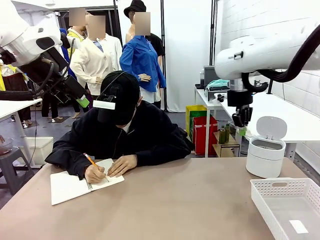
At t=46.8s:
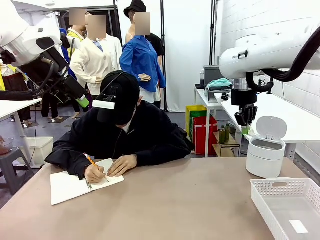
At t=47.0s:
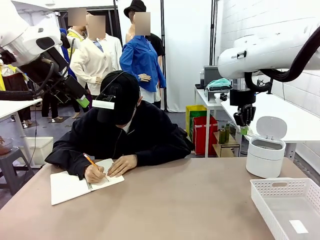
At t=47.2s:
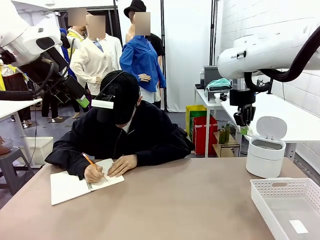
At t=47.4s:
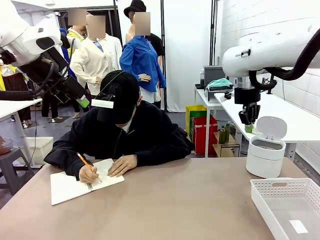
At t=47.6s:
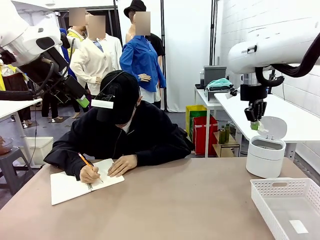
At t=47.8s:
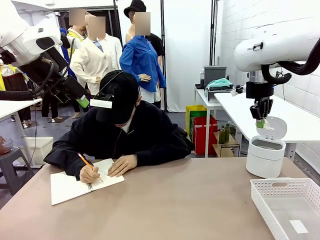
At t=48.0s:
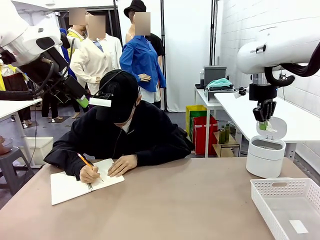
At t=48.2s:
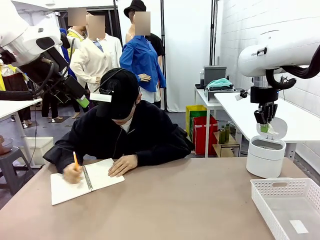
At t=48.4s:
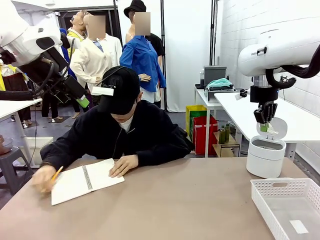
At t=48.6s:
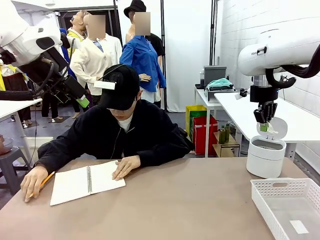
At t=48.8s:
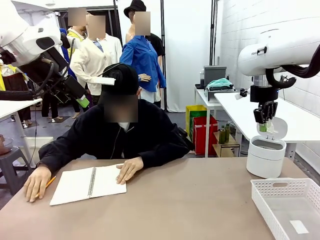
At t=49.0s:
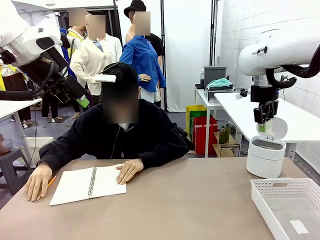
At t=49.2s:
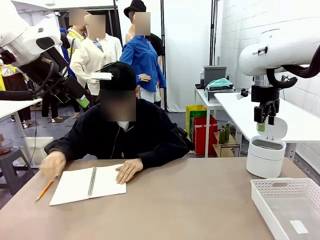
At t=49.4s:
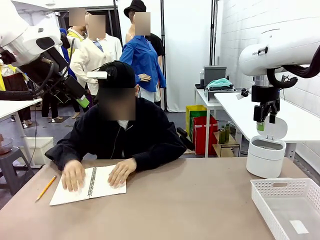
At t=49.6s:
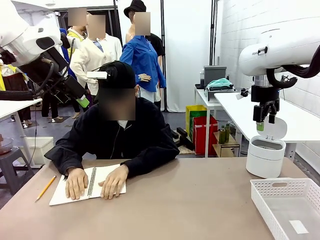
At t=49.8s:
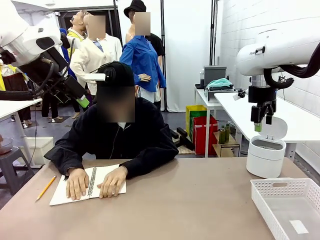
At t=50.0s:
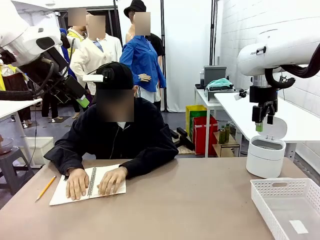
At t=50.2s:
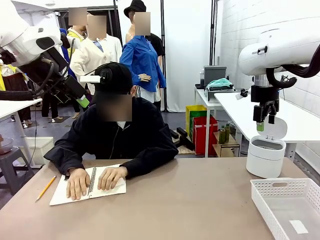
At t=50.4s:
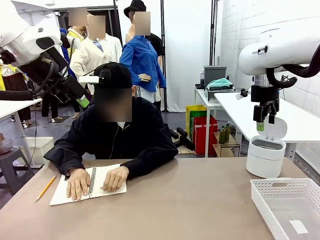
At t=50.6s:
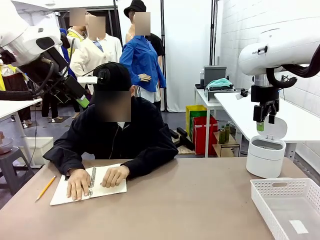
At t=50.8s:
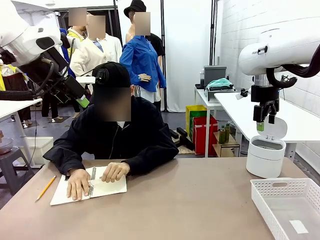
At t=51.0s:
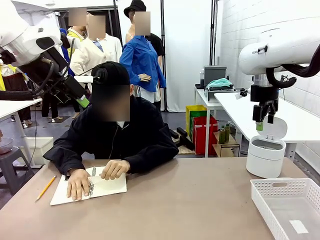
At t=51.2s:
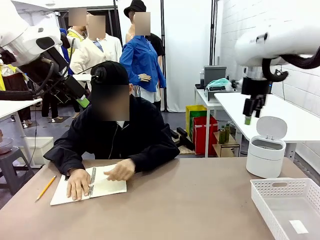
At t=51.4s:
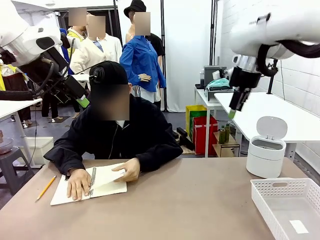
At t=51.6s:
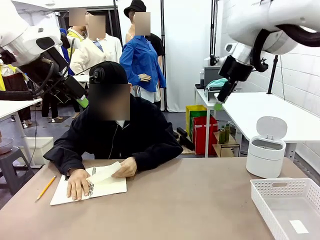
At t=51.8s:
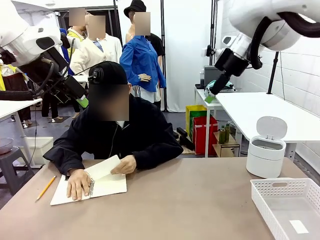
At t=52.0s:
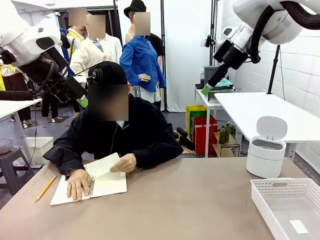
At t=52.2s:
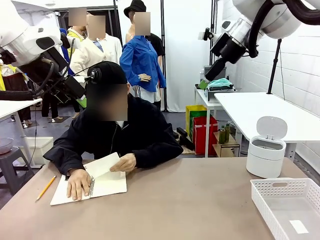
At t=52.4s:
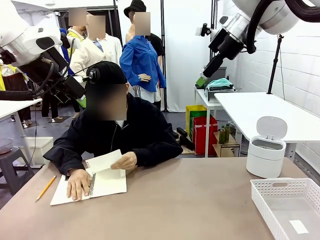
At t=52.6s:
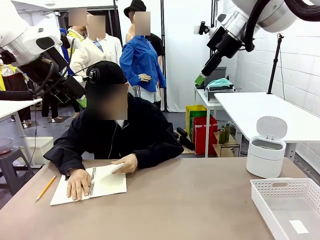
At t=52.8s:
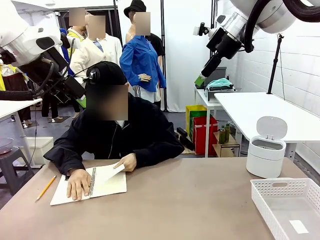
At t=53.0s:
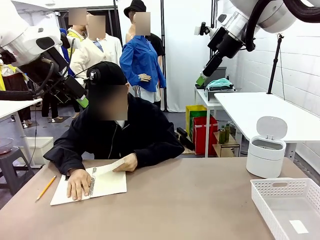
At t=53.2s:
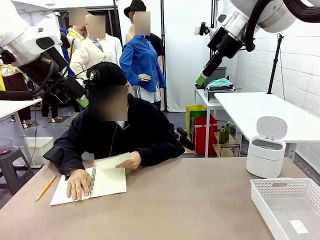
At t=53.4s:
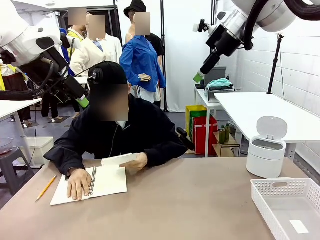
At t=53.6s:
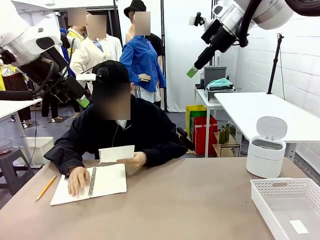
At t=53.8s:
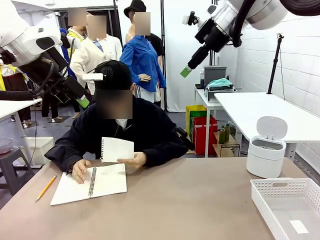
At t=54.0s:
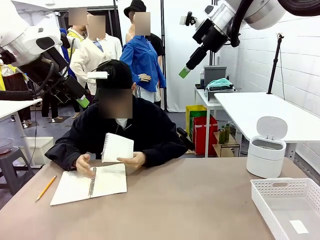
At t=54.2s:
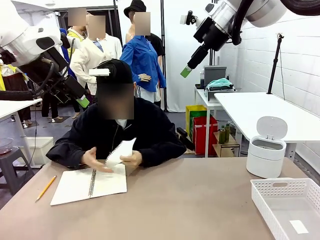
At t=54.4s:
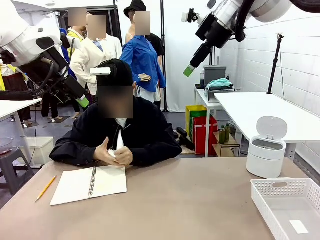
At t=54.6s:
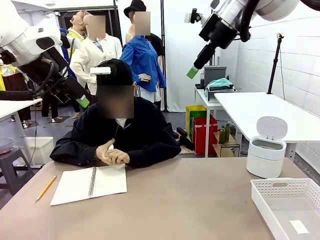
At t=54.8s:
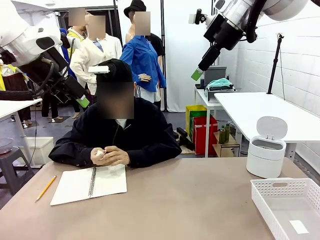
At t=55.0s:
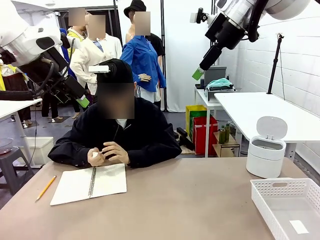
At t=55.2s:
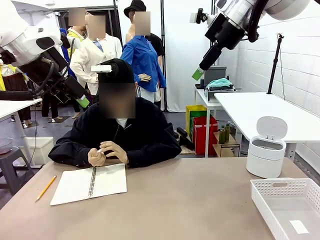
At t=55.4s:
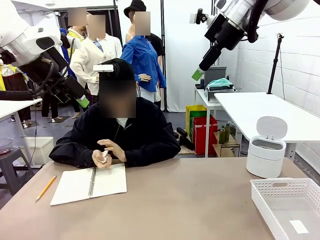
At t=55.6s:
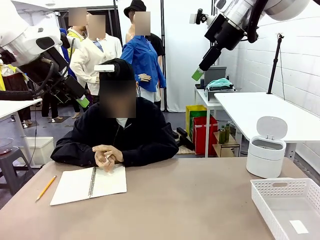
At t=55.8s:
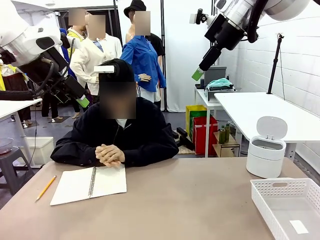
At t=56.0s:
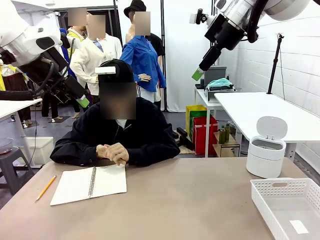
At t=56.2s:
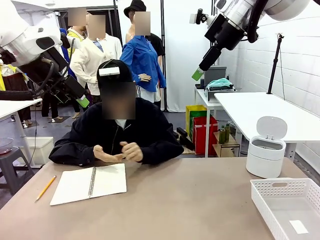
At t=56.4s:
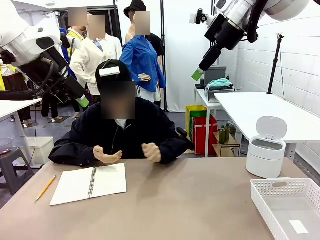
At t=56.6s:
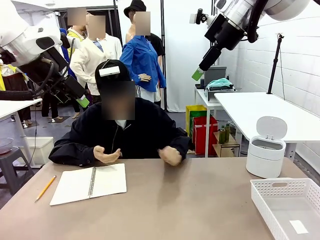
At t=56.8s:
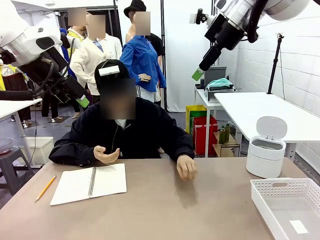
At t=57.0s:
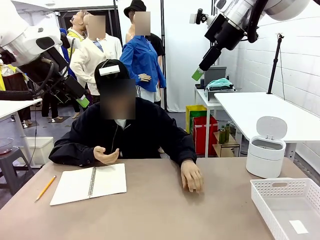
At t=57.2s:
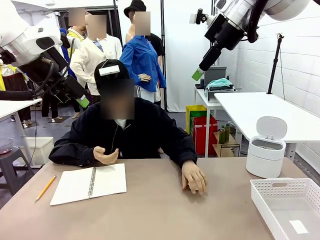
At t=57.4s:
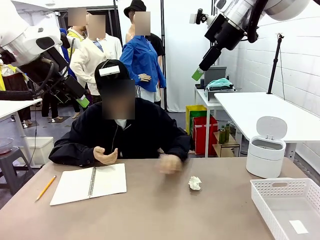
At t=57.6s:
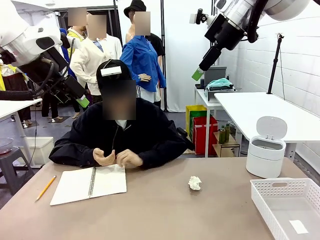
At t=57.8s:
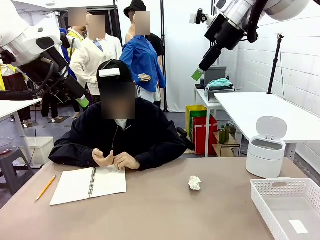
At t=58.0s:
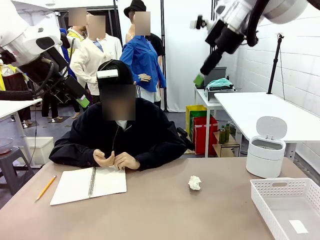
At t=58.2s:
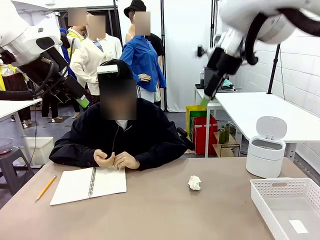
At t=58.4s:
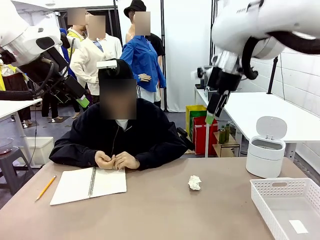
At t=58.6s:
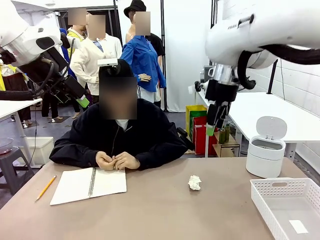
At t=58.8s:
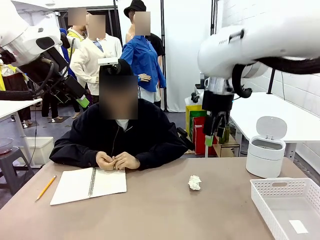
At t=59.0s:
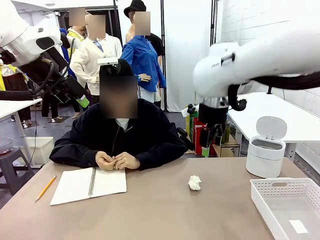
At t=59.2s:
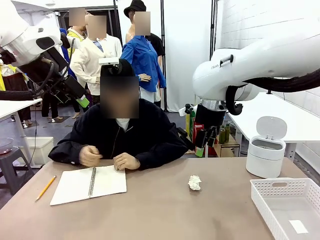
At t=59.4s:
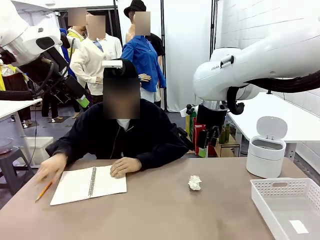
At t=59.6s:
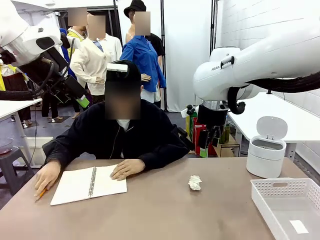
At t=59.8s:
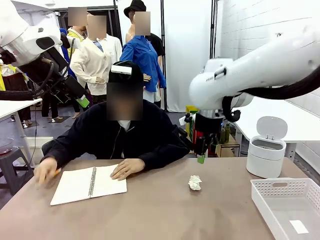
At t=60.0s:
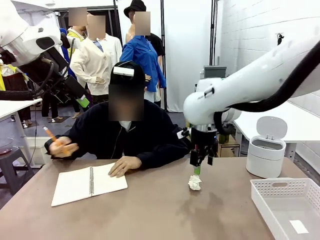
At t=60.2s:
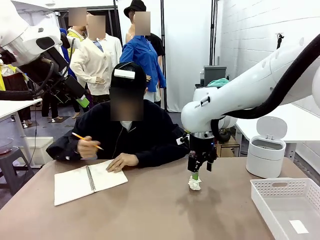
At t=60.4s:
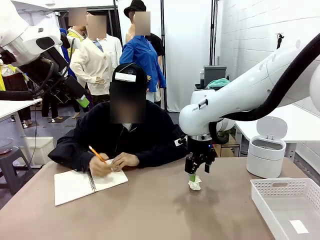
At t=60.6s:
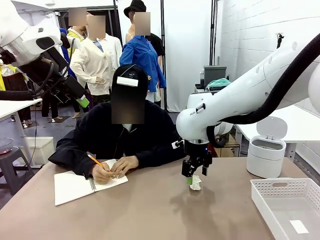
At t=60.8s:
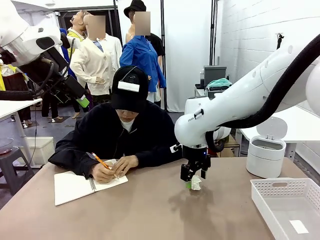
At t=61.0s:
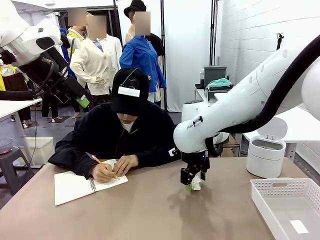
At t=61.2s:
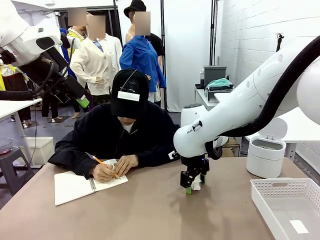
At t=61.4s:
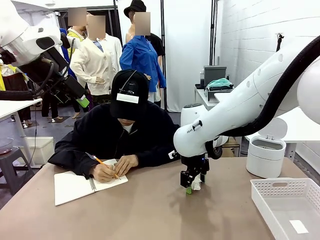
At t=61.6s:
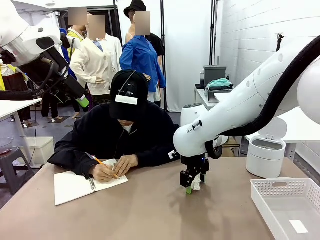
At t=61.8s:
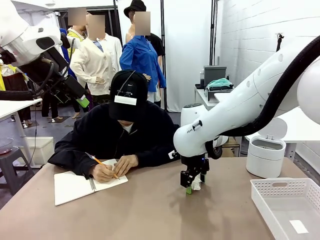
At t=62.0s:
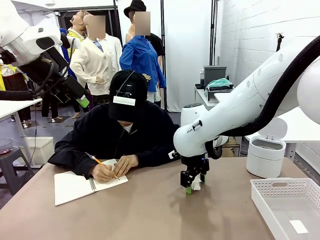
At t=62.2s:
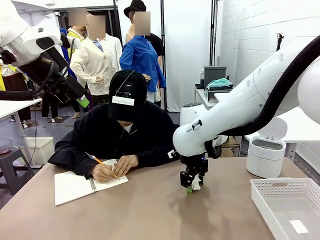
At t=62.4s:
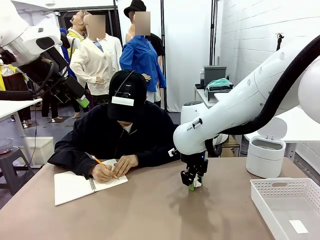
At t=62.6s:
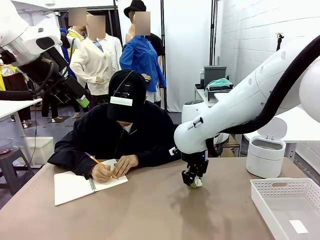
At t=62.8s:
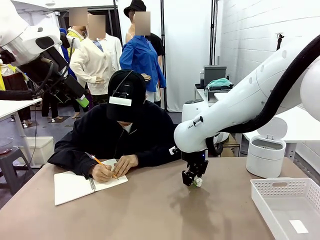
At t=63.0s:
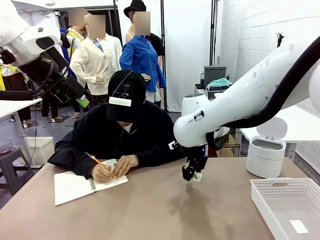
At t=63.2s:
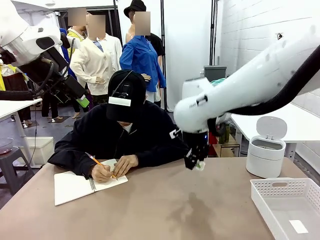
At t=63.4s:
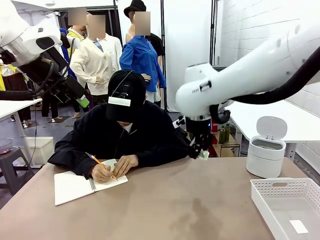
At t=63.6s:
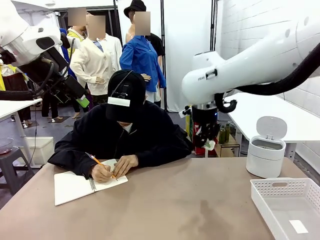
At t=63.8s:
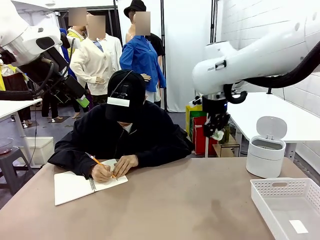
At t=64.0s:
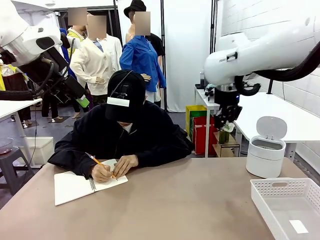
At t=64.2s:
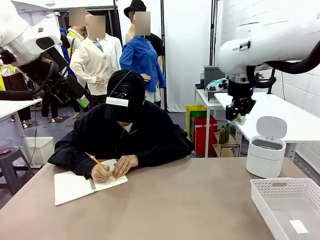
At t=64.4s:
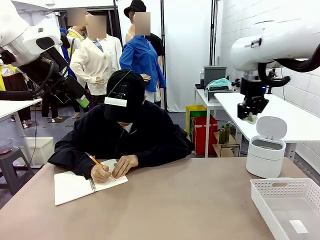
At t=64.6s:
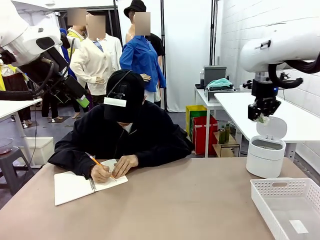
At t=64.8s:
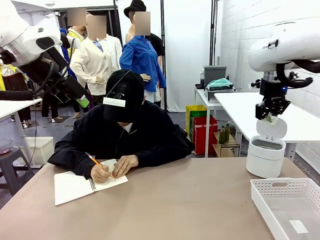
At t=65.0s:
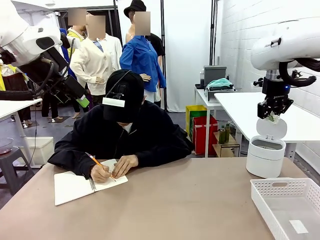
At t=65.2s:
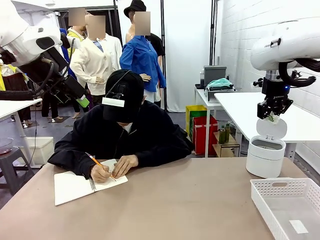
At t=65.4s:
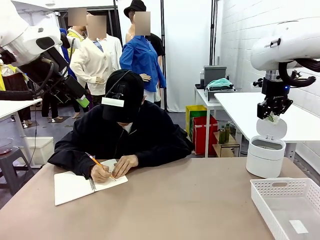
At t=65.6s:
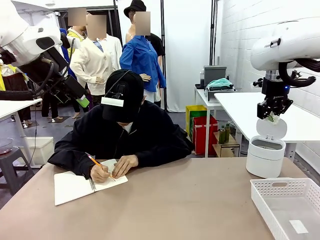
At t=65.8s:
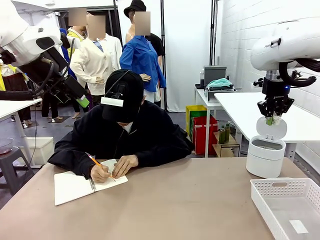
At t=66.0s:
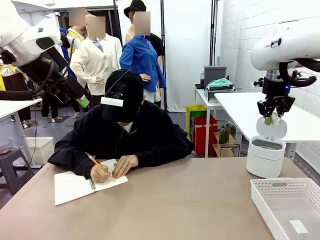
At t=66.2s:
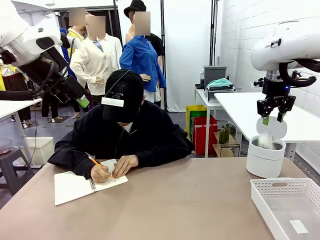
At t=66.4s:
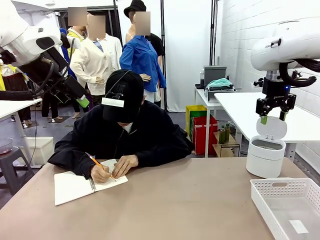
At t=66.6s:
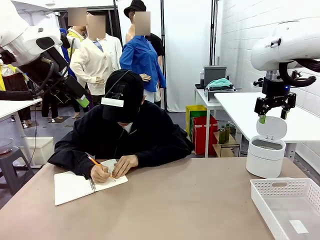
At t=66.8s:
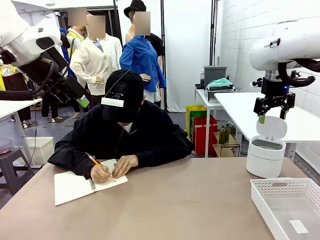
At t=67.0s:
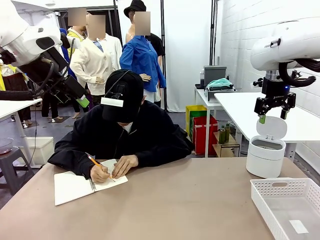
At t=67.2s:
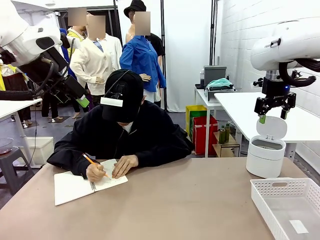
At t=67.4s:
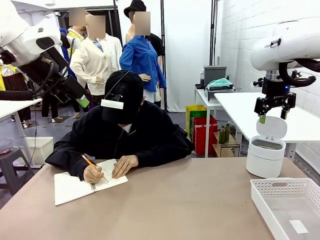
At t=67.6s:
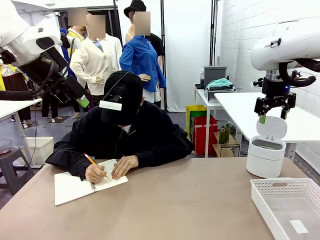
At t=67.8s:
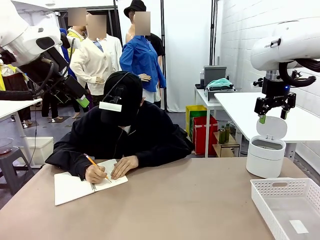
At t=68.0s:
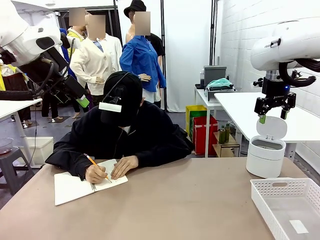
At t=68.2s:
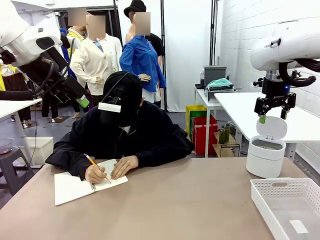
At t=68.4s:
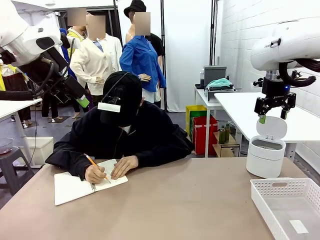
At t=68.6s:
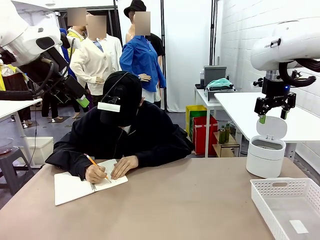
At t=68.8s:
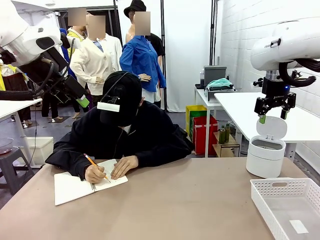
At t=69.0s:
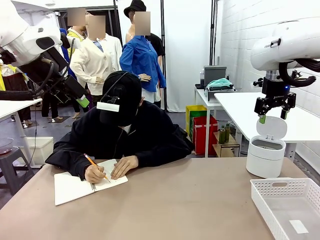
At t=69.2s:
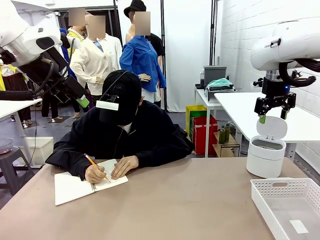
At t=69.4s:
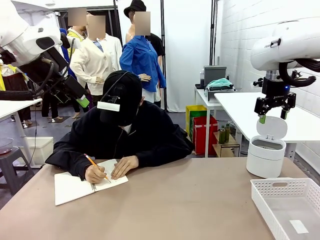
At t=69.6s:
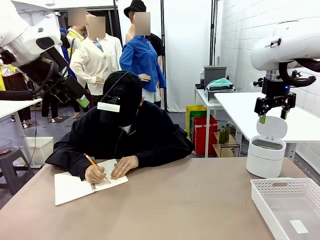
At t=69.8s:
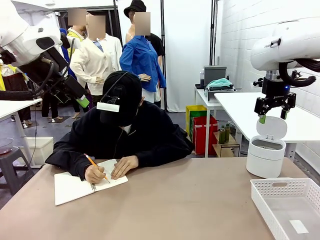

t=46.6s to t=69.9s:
Task: Sort the paper based on its condition.
Robot: If a person hands you a paper, place it in the Organizing basket , and if it's crumpled, put it in the Trash can.
Person: Tear out a page from the spiral notebook. Hand the torn page to the robot or crumple it and throw it to the center of the table.
